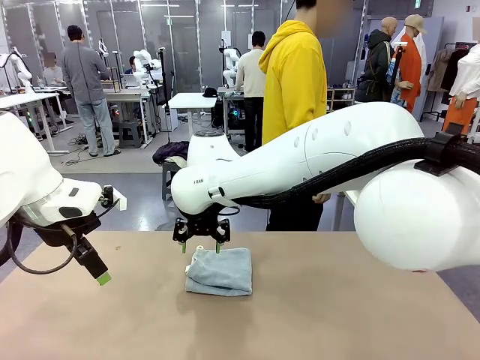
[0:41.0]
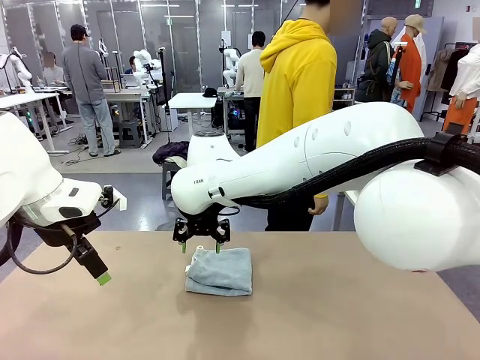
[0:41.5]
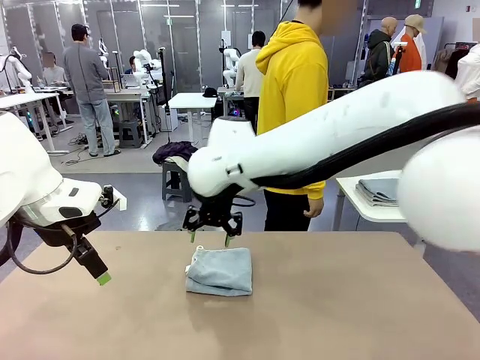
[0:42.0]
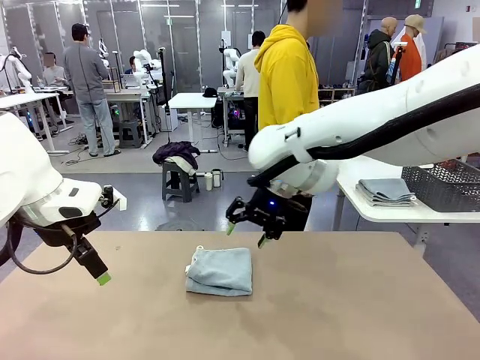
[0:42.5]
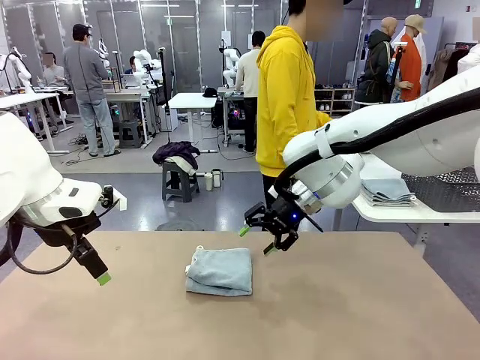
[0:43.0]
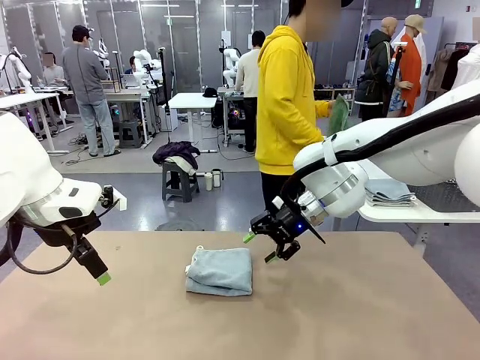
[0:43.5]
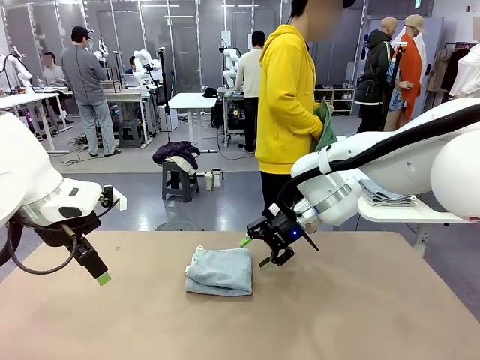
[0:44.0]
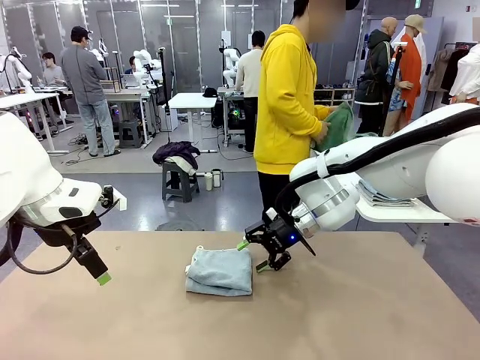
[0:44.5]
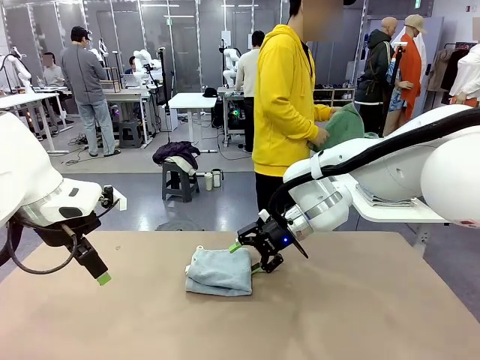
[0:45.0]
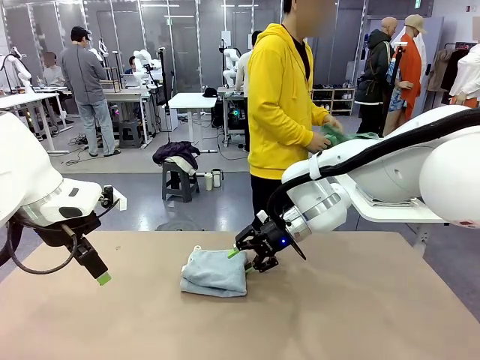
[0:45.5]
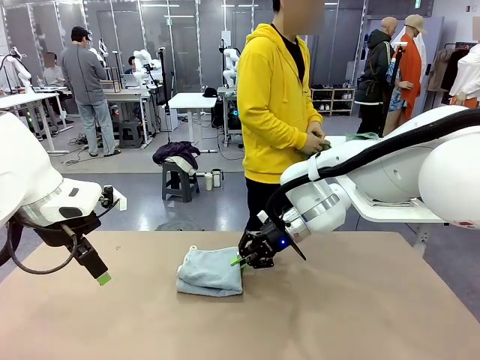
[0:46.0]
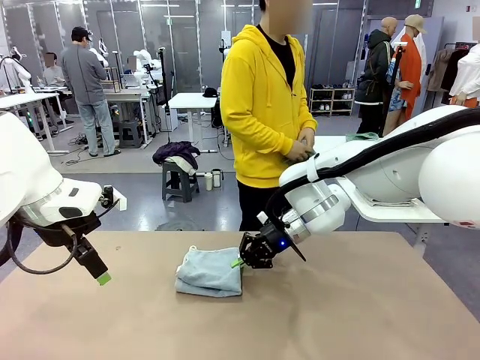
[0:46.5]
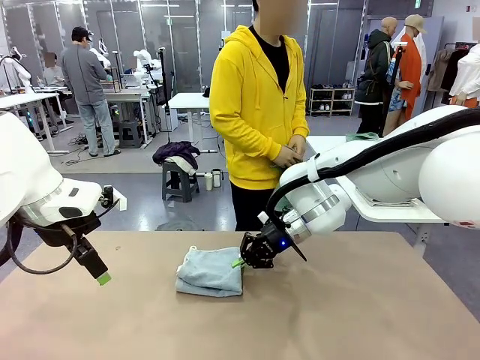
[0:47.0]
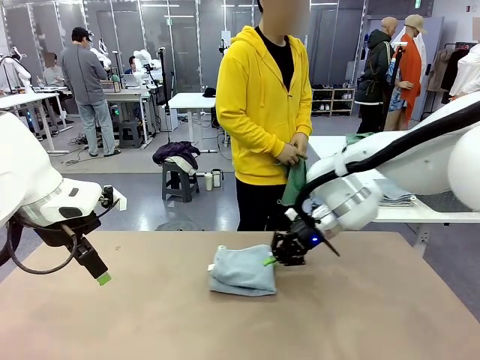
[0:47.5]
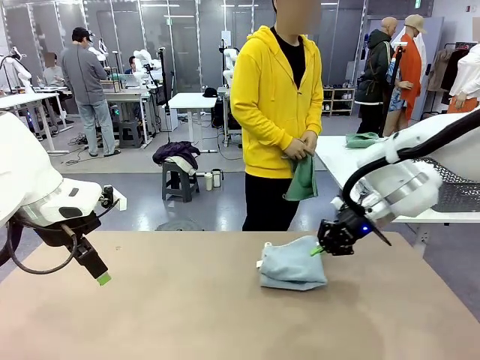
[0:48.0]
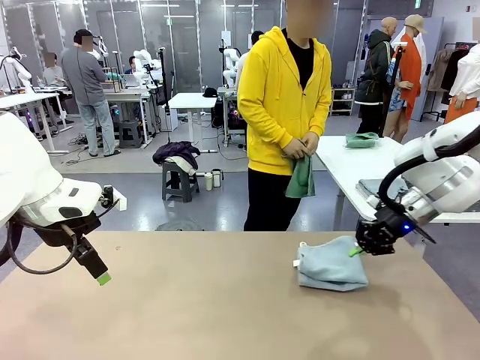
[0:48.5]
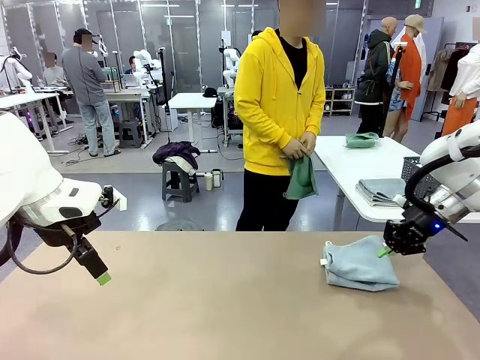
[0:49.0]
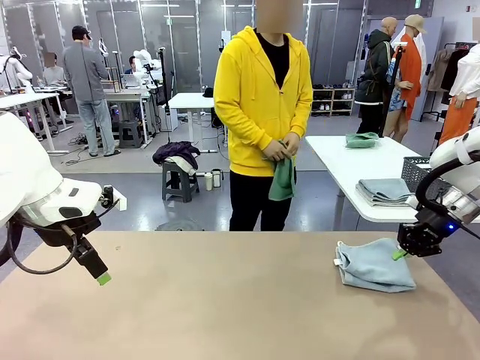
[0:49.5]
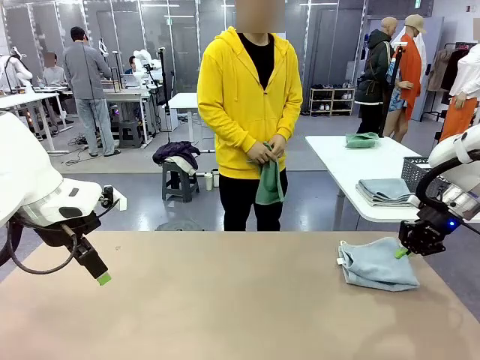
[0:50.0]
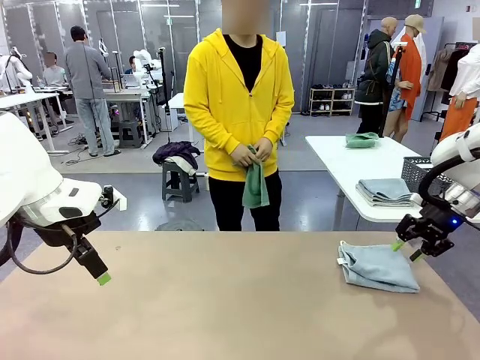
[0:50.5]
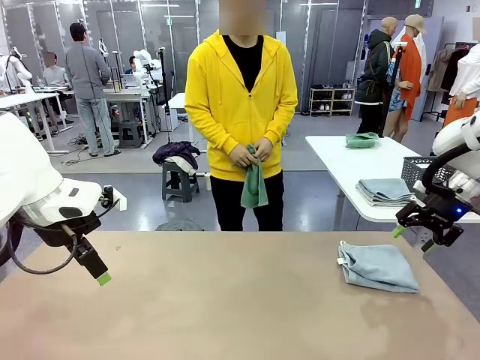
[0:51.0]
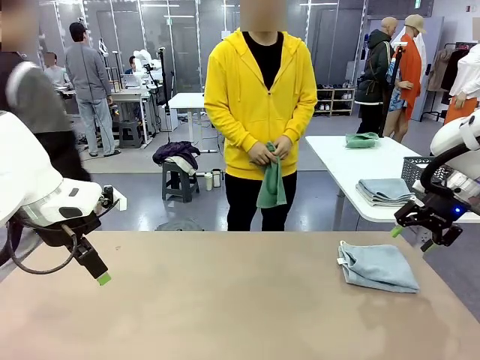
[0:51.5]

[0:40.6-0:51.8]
Task: Fold the towels and place them in the basket.
Robot: Place the folded Towel with hook on the right side of the table.
Person: Pick up one towel from the left side of the human table and spread it out at the center of the robot table.

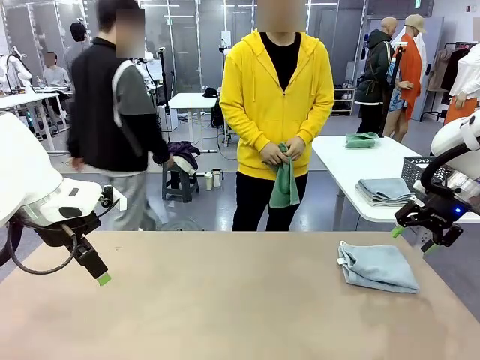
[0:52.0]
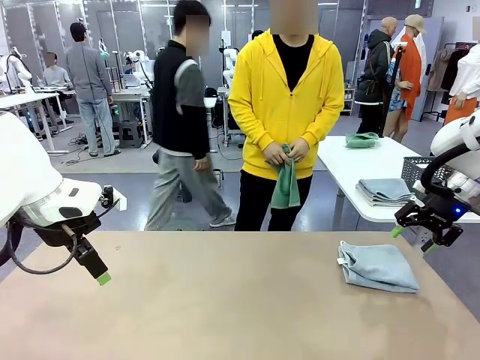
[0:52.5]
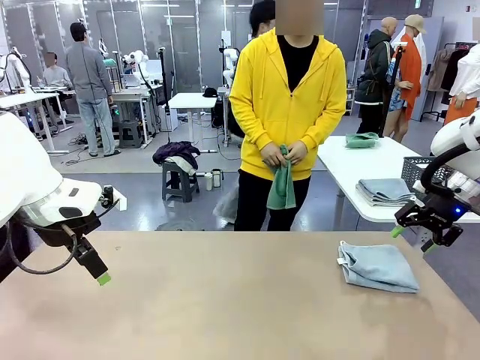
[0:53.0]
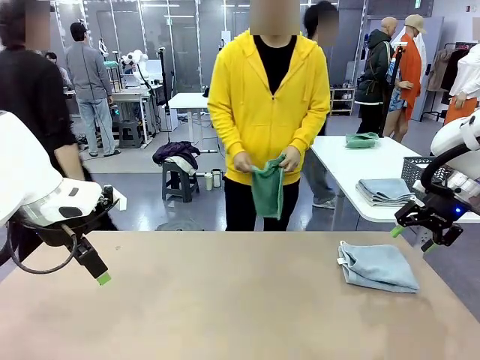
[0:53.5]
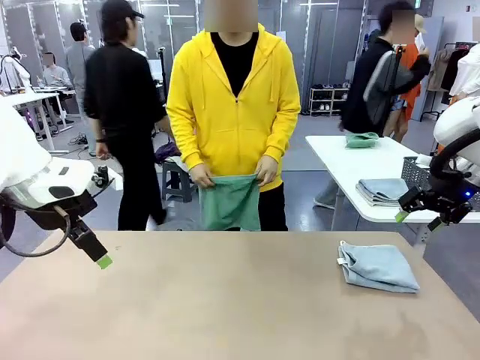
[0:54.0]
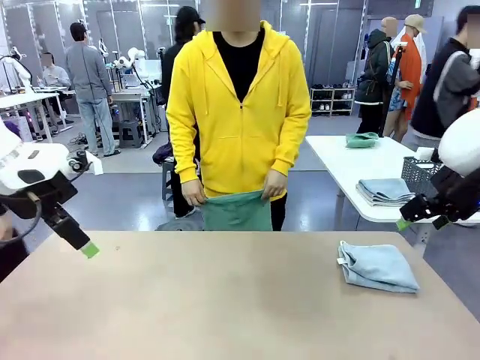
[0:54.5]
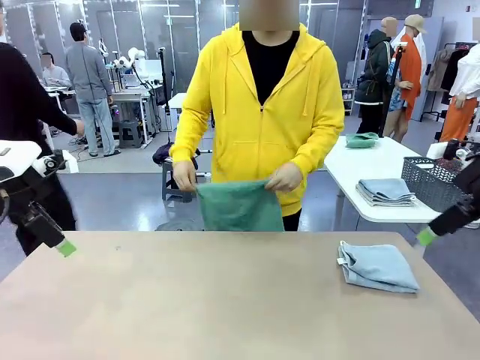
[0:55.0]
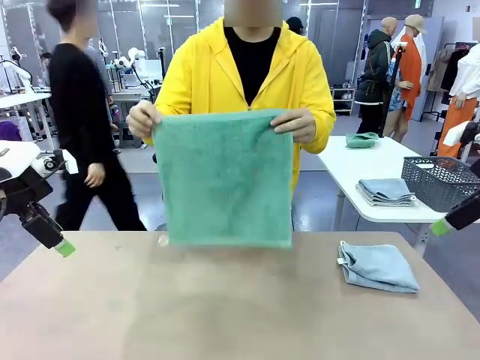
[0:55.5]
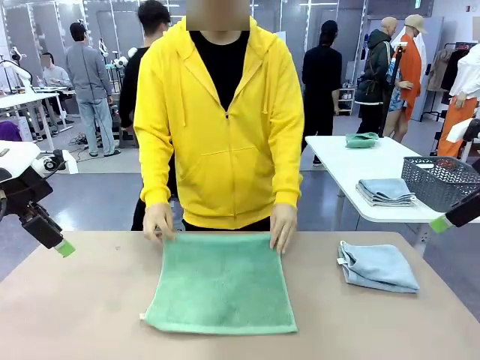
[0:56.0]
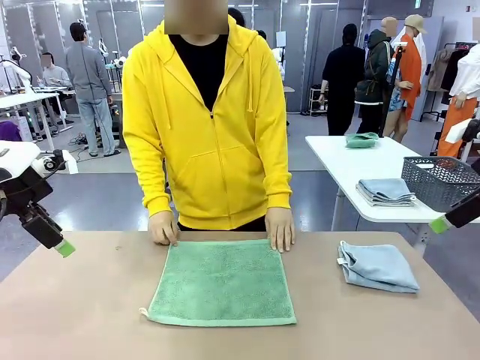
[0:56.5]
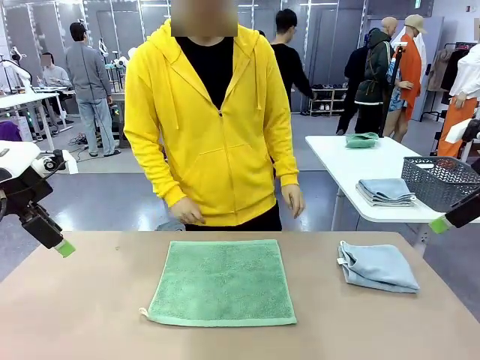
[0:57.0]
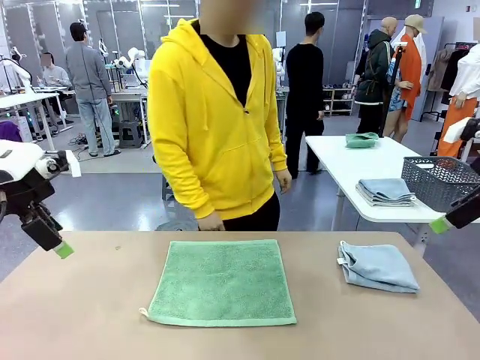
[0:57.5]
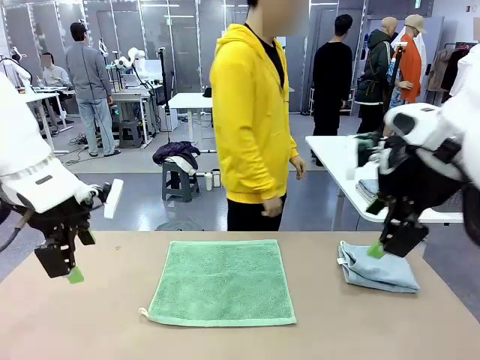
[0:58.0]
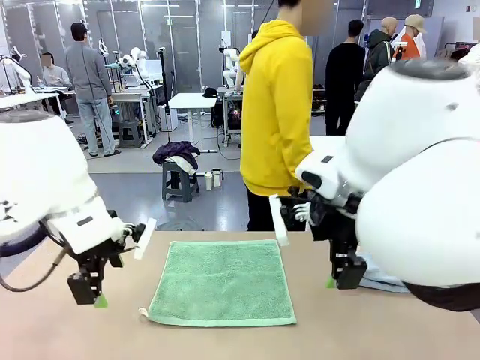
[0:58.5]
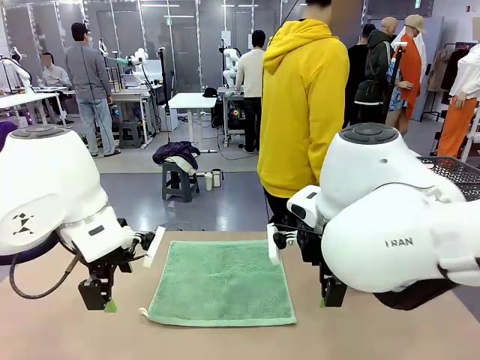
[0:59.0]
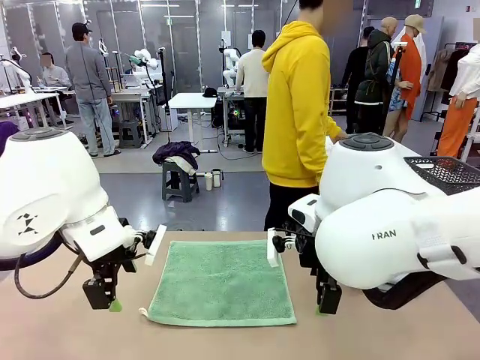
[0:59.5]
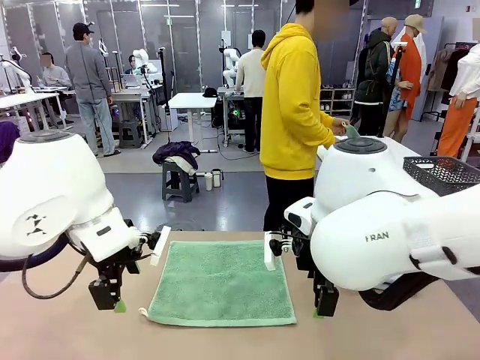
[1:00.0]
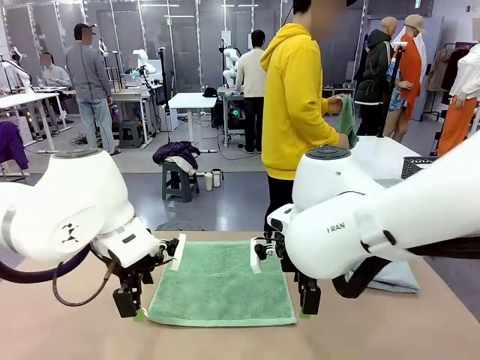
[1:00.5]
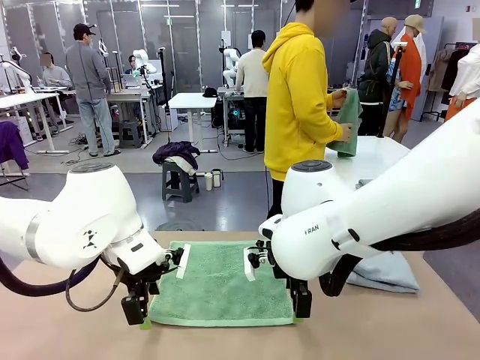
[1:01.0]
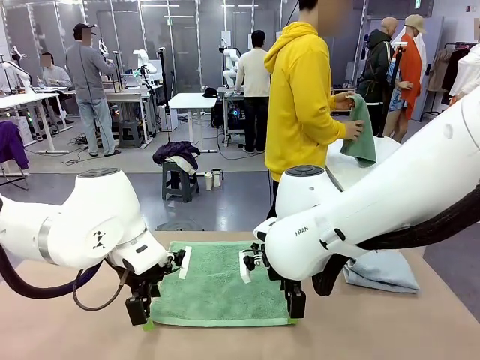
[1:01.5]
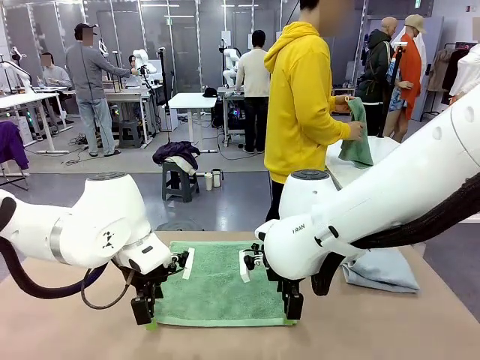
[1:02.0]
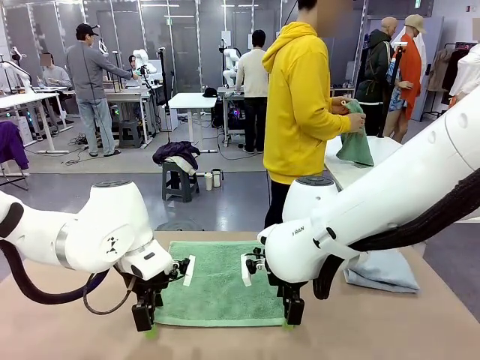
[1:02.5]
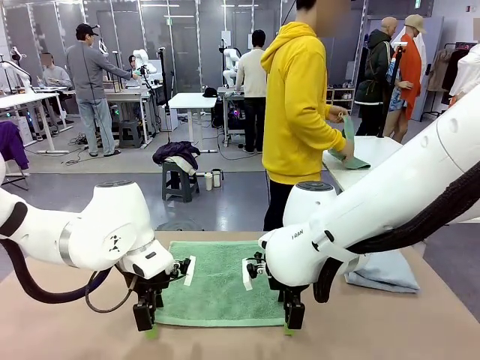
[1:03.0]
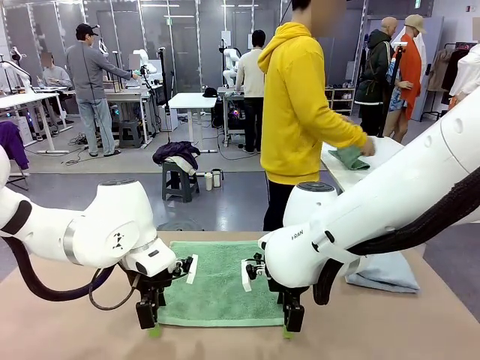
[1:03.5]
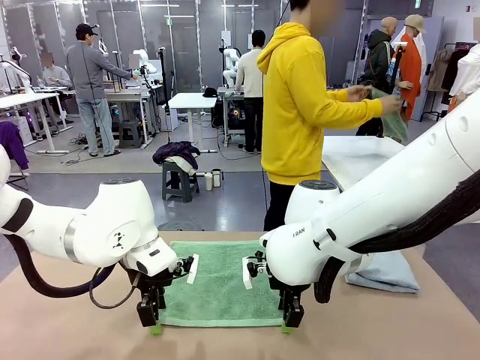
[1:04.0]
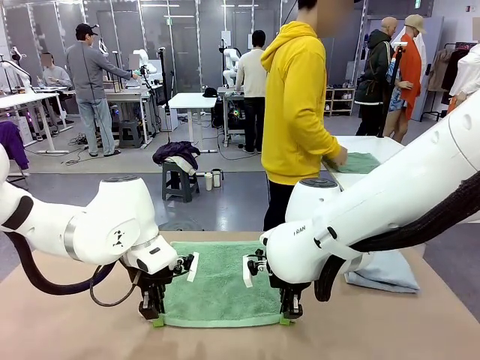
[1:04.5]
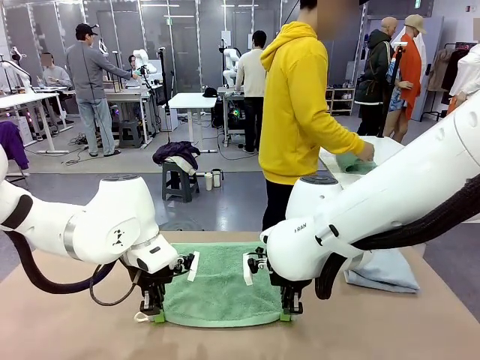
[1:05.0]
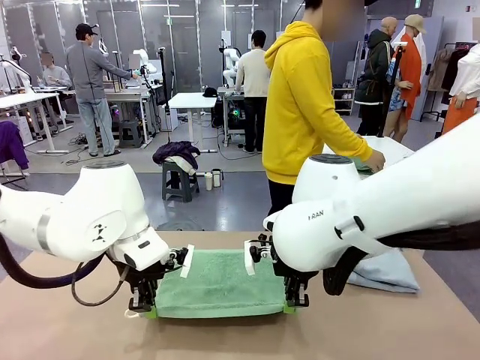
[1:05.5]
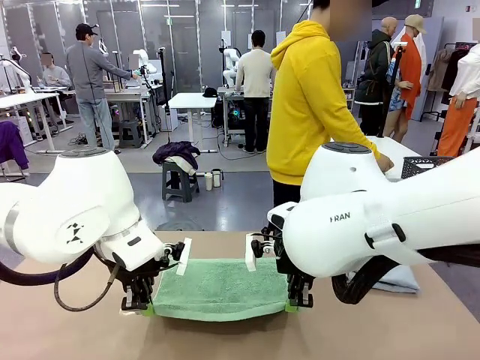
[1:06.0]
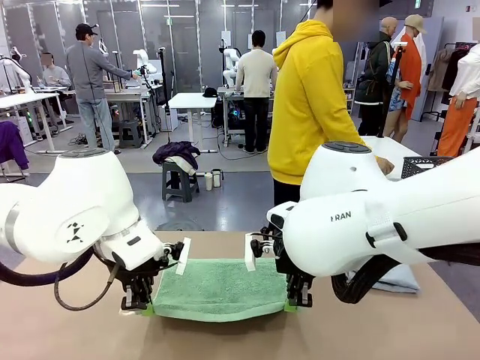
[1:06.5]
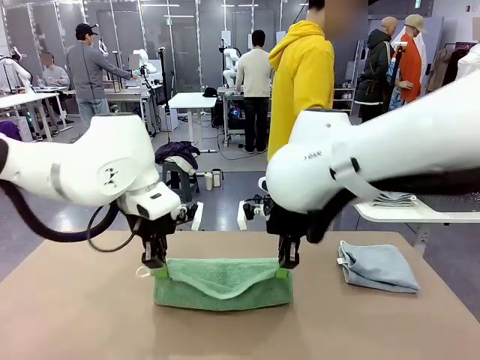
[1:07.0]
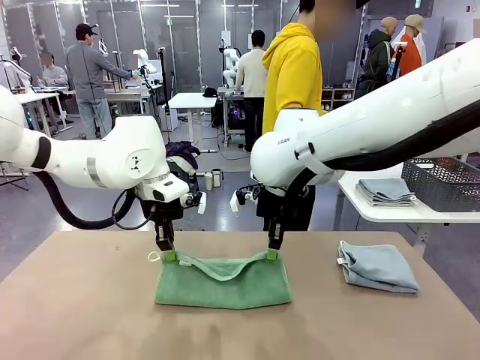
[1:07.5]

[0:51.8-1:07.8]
Robot: When a person lays out a Towel with hook on the table, fold it in half twice.
Person: Pick up one towel from the left side of the human table, fold it in half twice, and stack it on the right side of the table.
